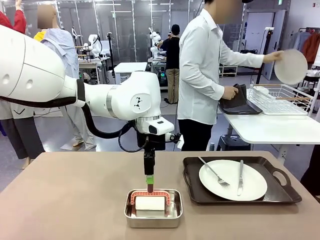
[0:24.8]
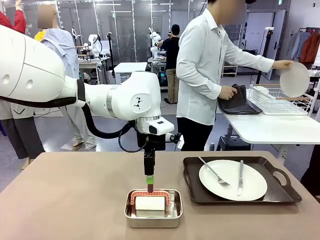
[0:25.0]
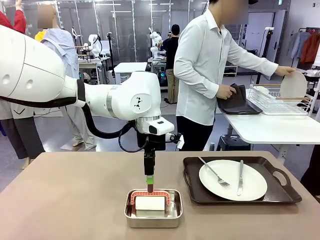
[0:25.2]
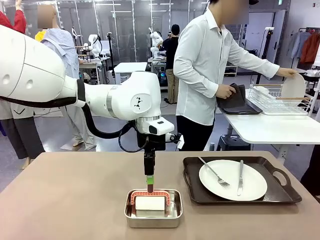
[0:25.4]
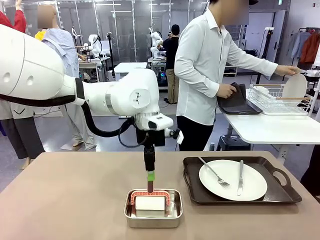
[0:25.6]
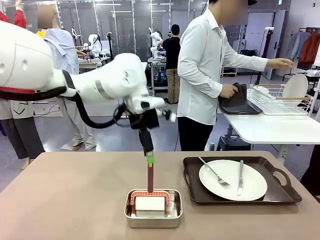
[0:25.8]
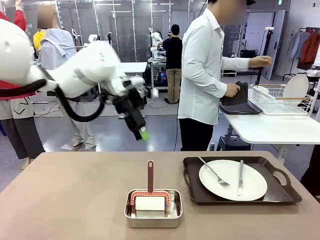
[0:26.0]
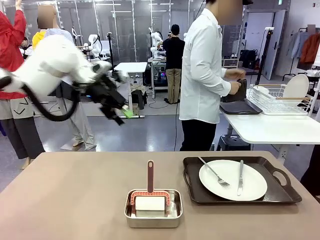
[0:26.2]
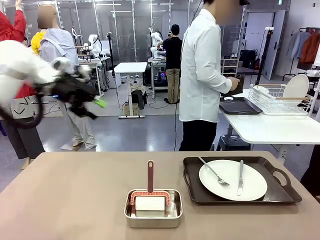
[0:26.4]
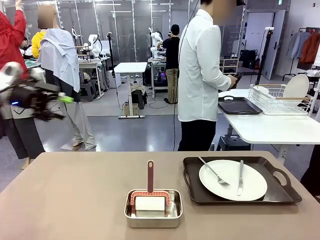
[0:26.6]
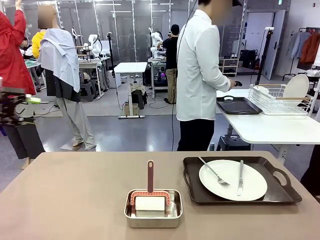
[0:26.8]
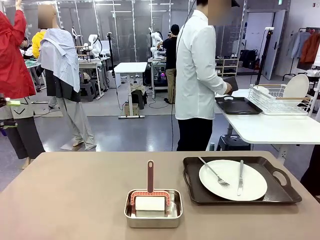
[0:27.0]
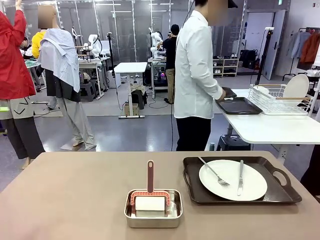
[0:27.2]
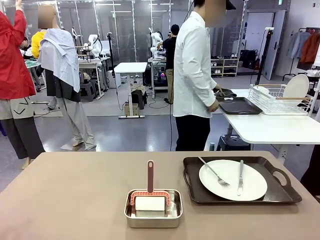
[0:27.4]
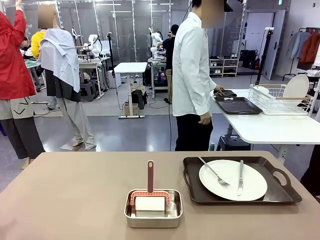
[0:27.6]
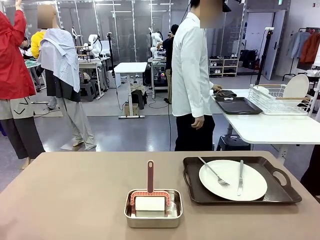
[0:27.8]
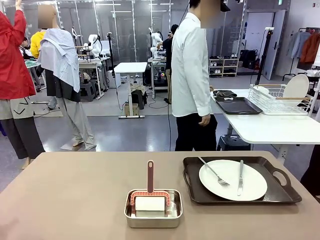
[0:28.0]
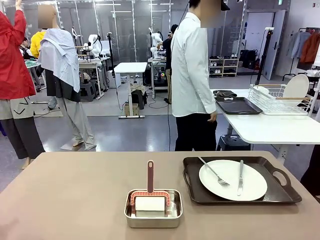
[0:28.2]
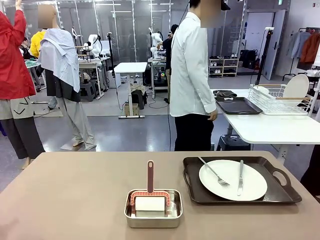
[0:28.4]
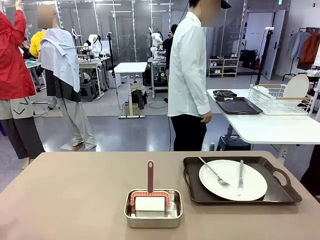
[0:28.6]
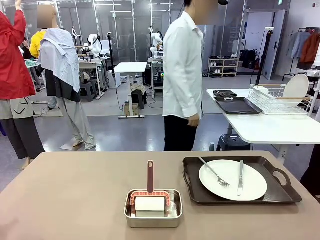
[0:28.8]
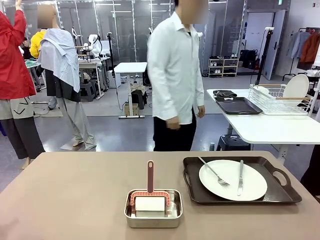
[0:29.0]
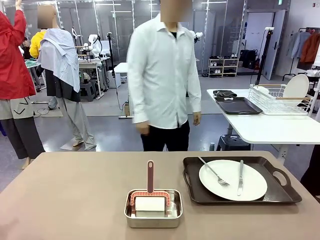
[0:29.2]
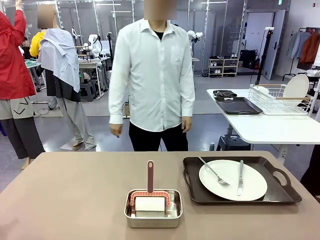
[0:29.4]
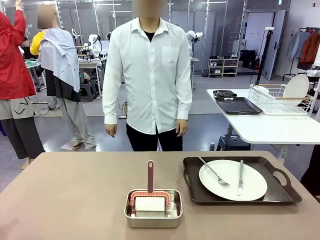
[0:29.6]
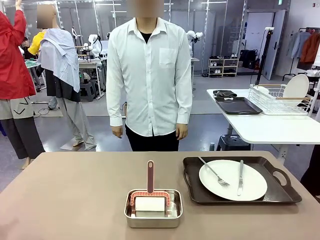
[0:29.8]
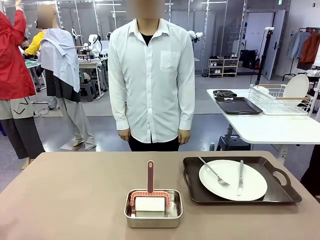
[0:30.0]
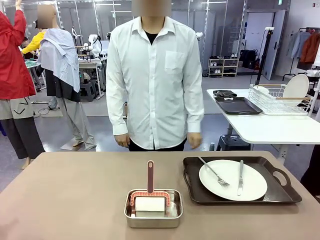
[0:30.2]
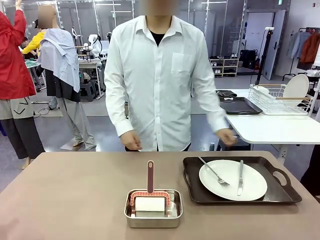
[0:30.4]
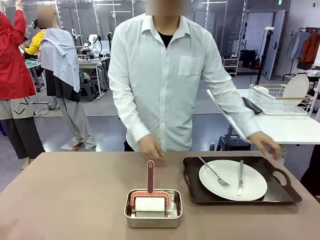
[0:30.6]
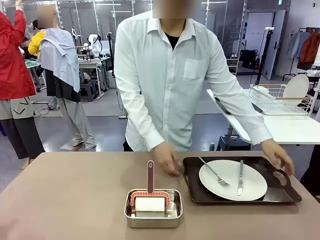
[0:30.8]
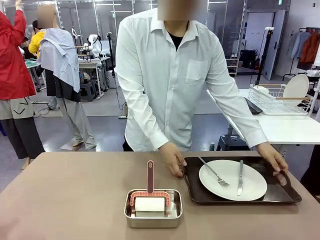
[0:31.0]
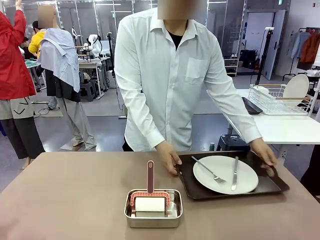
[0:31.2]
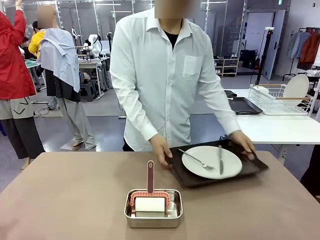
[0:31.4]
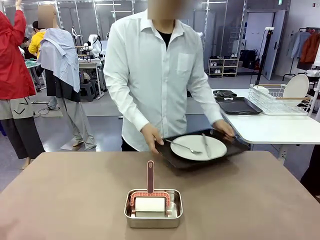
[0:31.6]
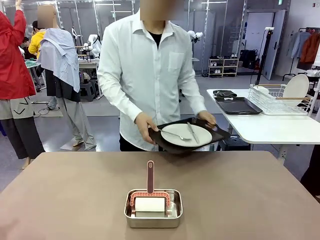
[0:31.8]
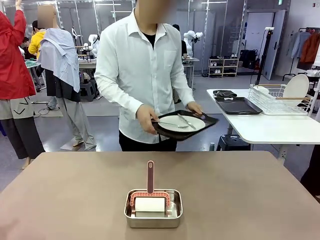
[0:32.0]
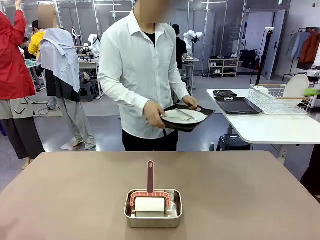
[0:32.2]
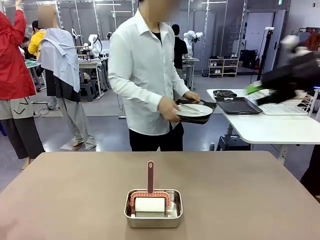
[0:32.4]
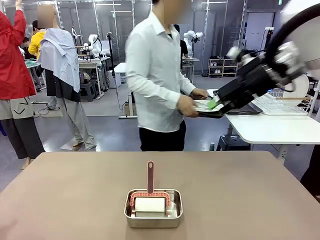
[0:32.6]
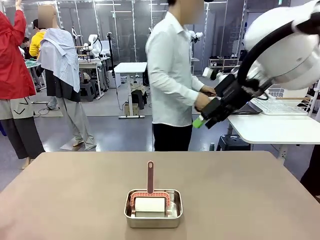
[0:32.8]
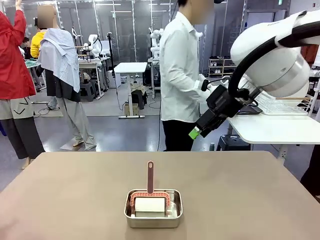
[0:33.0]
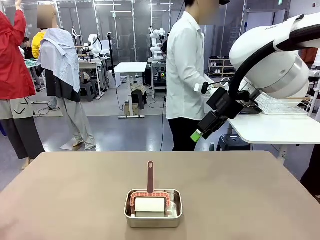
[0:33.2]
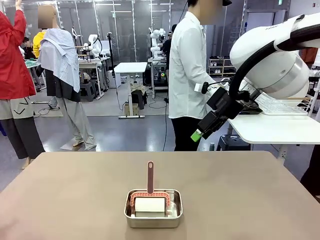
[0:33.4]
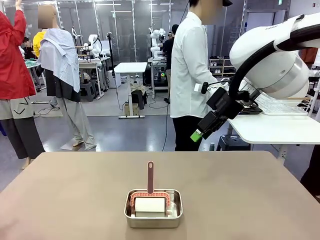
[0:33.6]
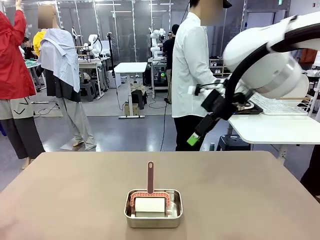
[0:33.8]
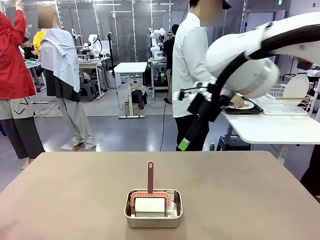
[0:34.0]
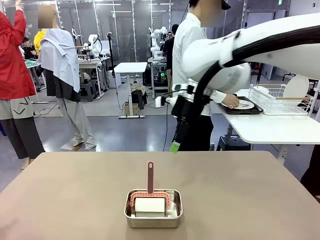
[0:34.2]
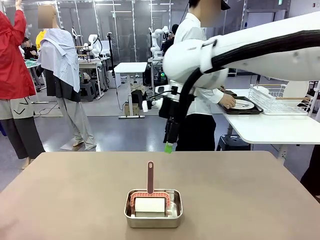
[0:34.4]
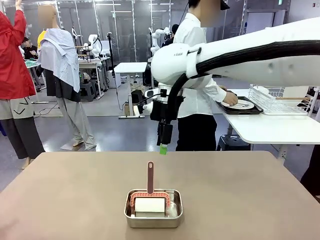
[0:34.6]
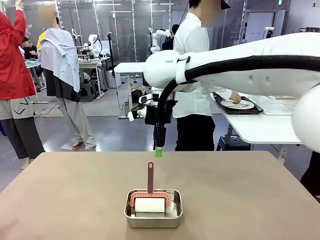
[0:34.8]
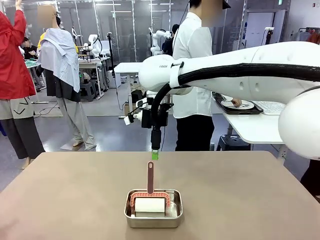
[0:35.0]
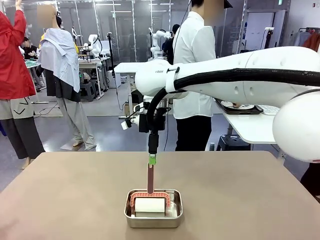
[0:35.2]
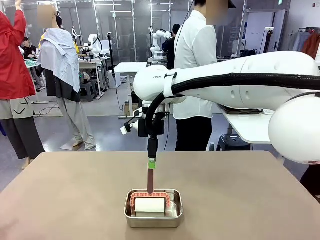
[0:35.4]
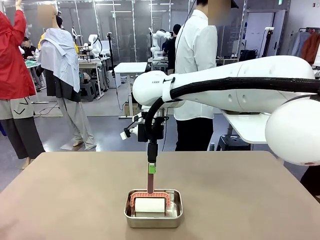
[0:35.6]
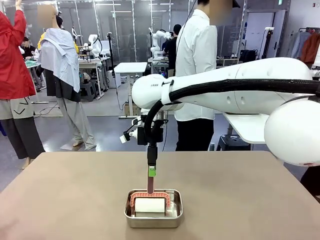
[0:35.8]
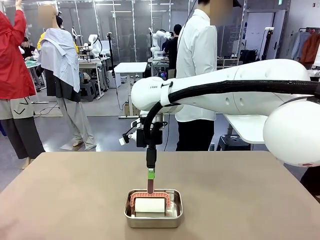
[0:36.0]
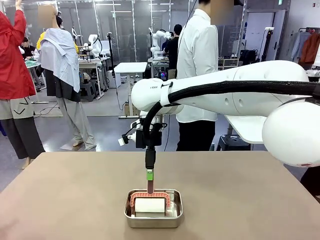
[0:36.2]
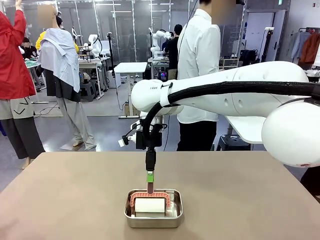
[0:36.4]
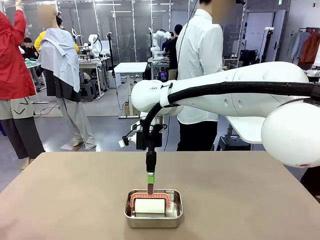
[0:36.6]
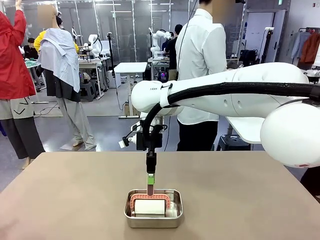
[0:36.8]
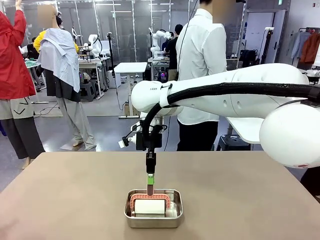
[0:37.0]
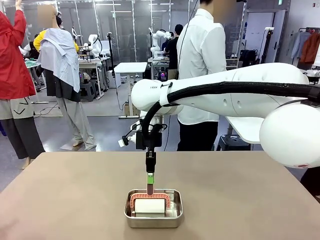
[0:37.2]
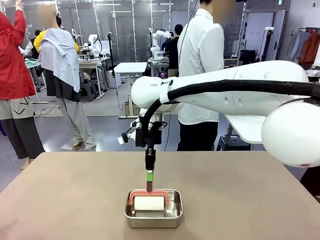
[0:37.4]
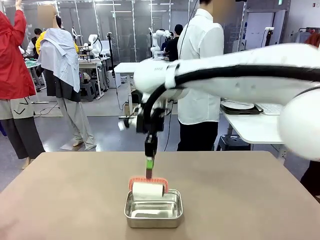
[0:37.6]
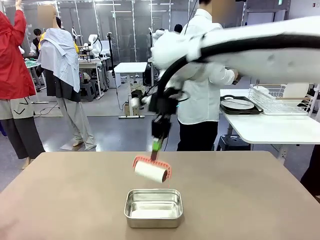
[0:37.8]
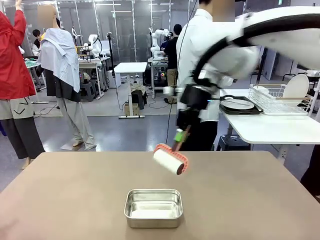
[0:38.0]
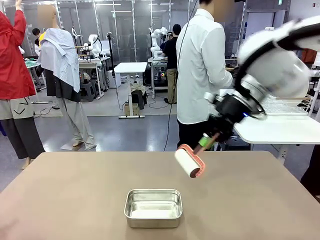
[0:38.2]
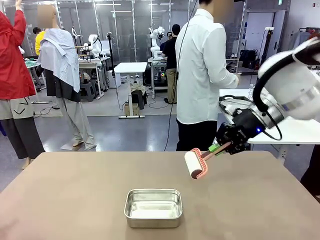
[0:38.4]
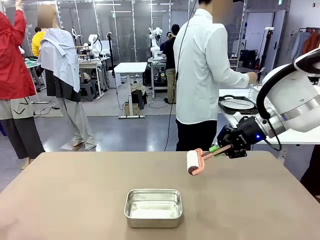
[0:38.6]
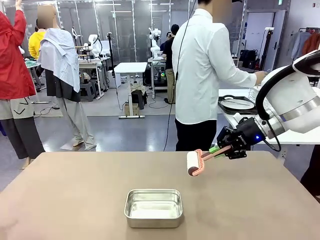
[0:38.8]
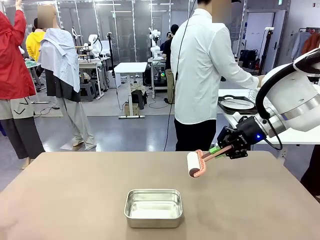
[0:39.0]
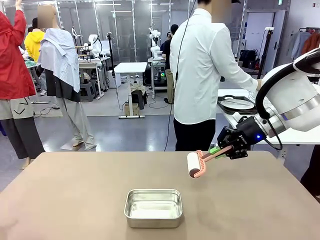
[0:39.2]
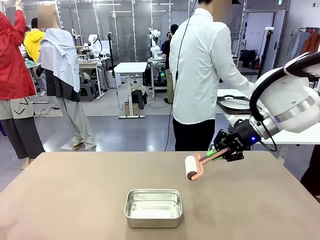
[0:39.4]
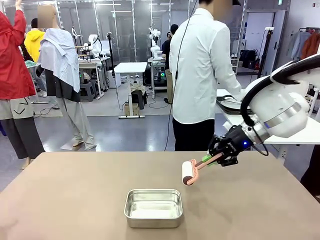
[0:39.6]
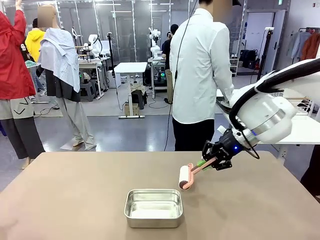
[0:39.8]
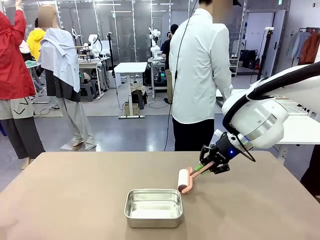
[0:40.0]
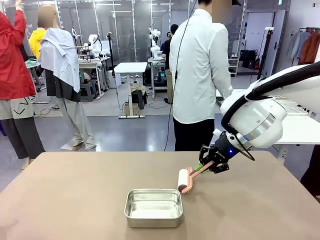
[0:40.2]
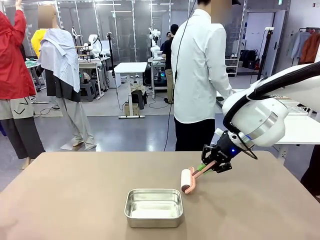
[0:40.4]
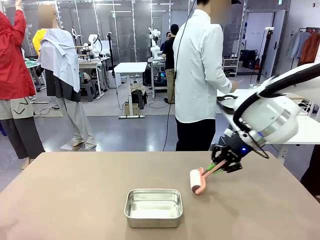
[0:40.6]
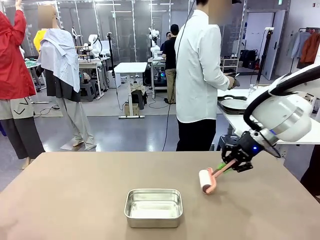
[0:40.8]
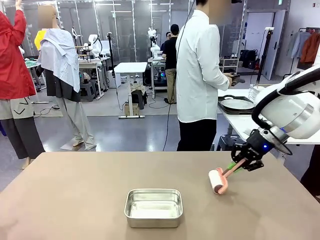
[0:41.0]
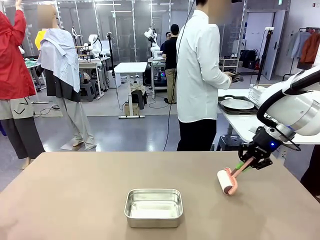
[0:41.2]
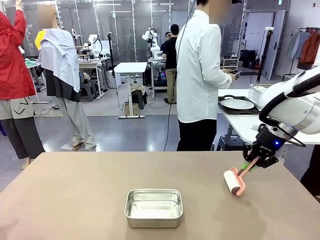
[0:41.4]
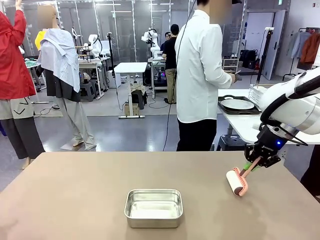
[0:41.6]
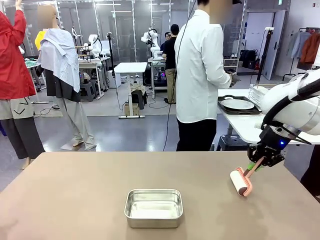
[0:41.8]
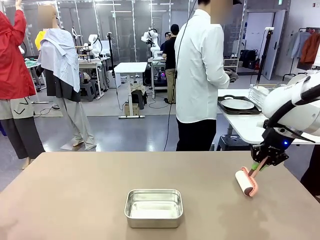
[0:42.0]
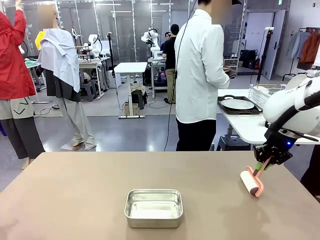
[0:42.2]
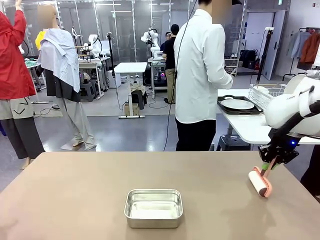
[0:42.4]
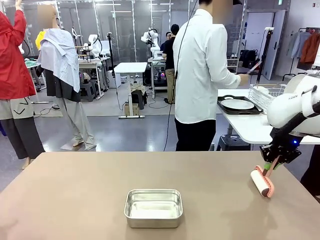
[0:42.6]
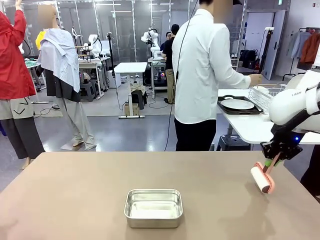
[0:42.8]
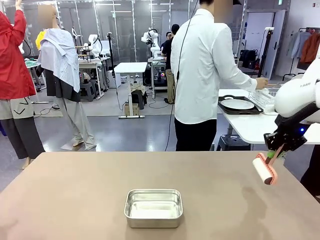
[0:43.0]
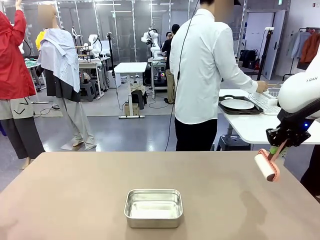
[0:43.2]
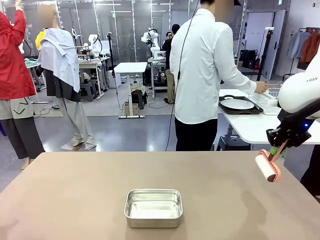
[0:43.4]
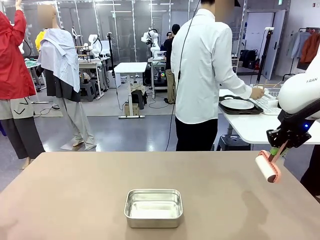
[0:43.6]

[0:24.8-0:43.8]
Robot: When the right (or left) Handle tray is removed, use the right hand (or left hand) to clean the right (or left) side of the table with the Lint Roller.
Person: Pick up the left (or right) Handle tray and place it on the Handle tray.
